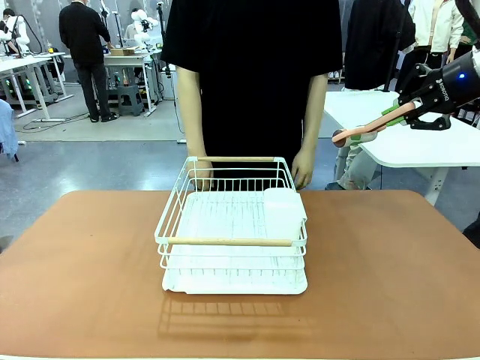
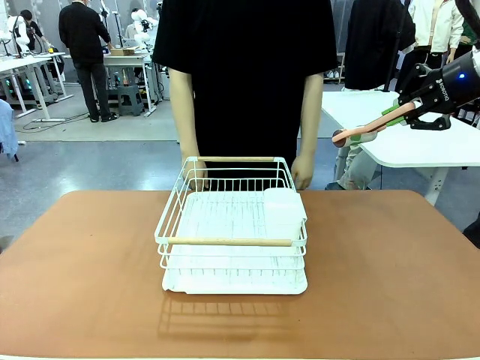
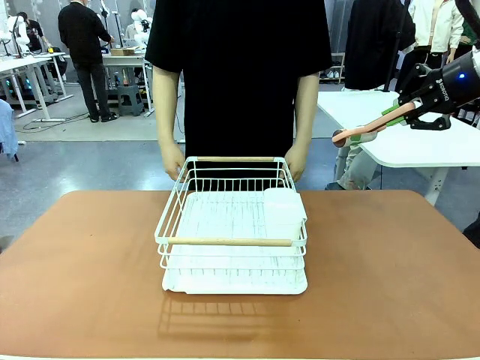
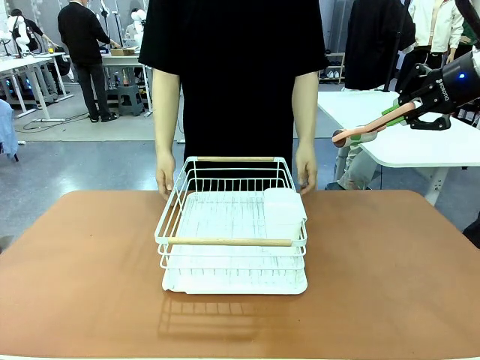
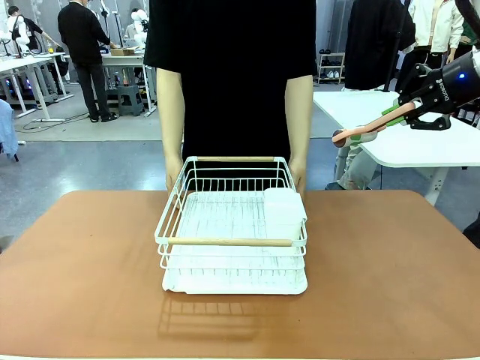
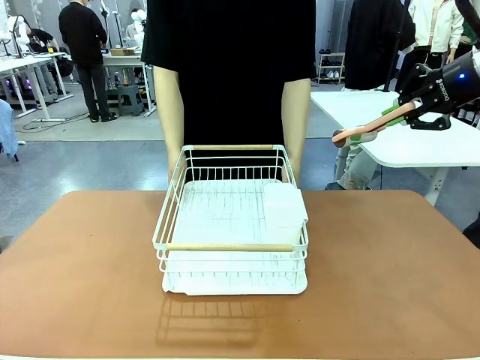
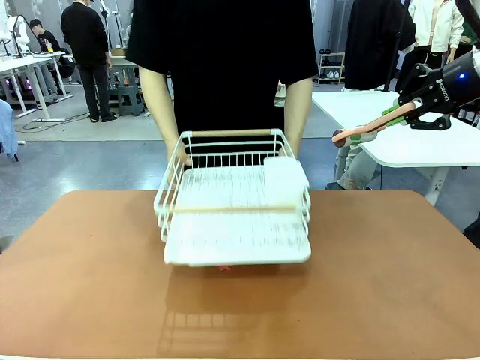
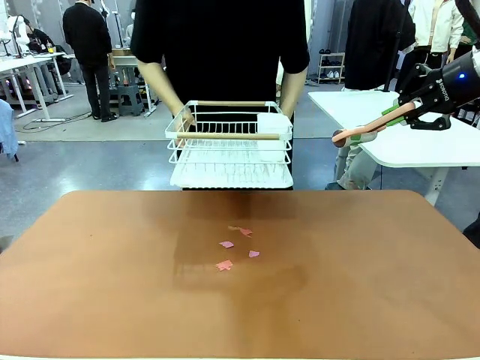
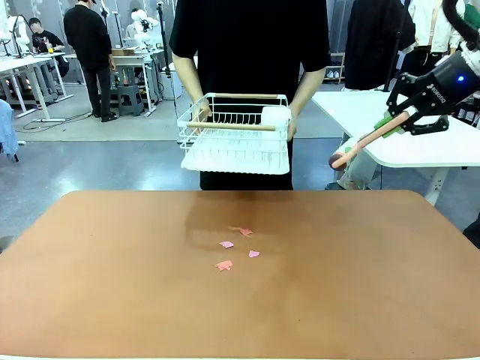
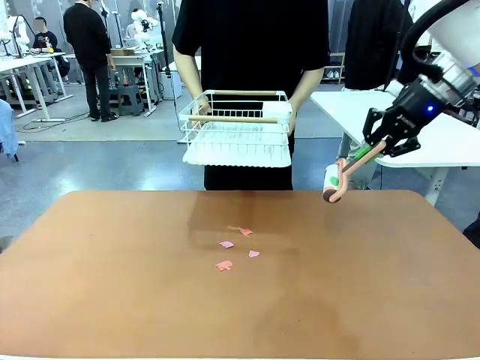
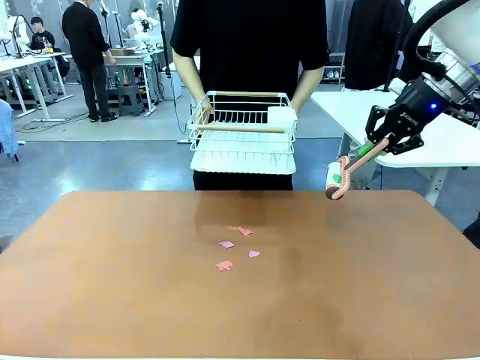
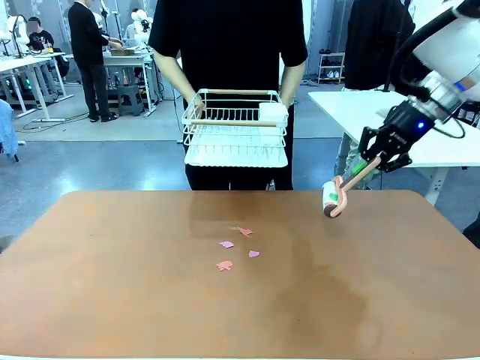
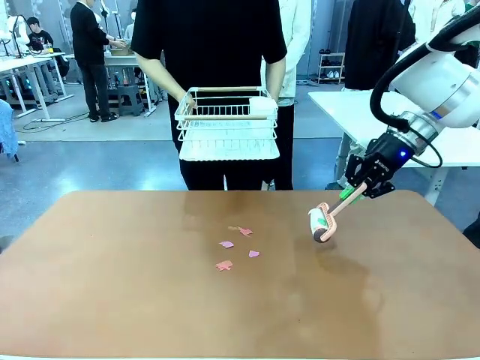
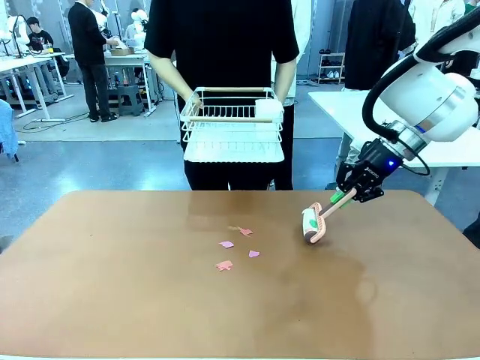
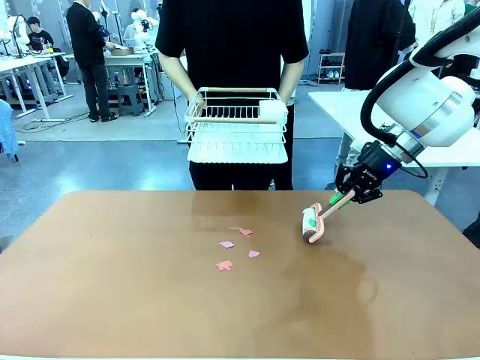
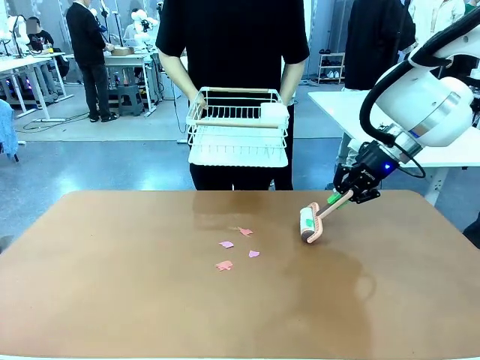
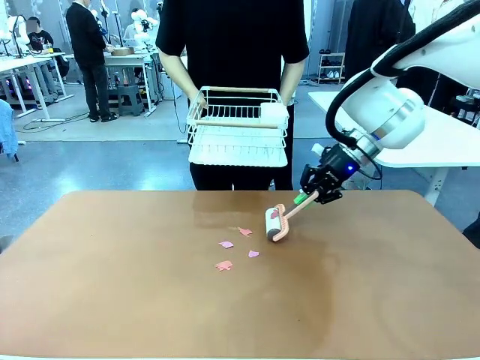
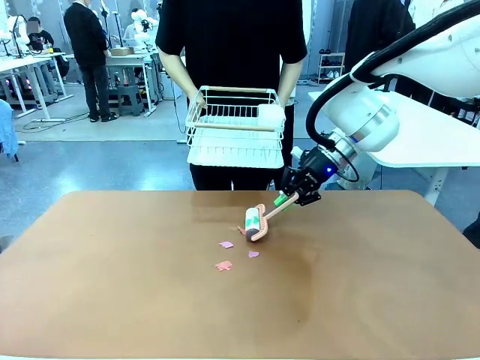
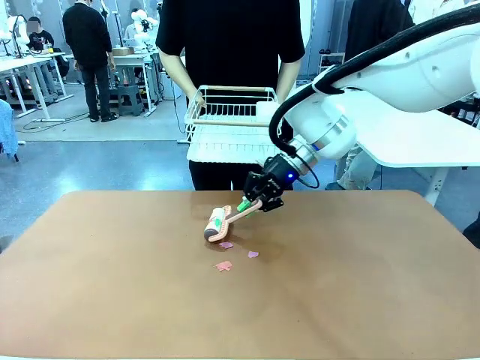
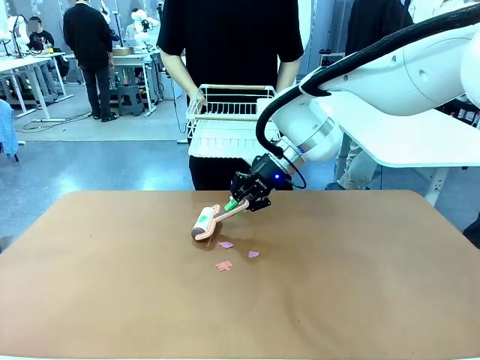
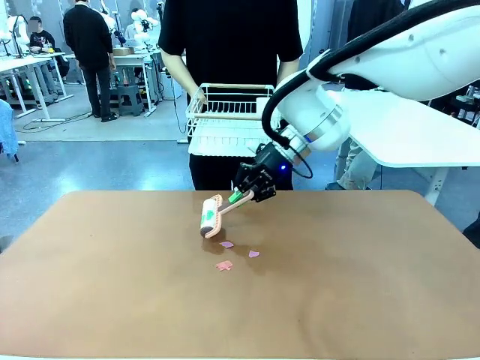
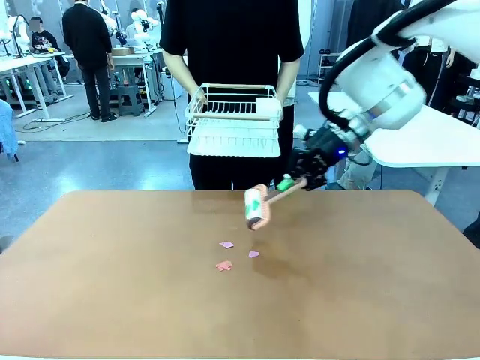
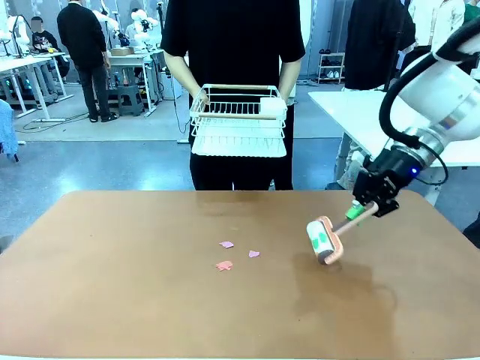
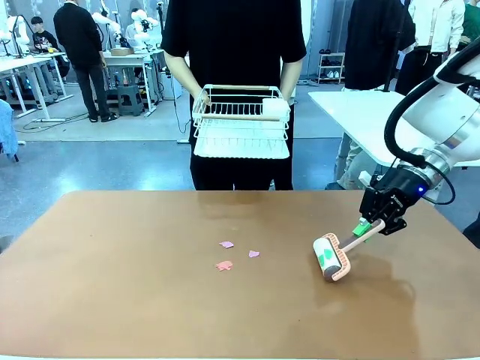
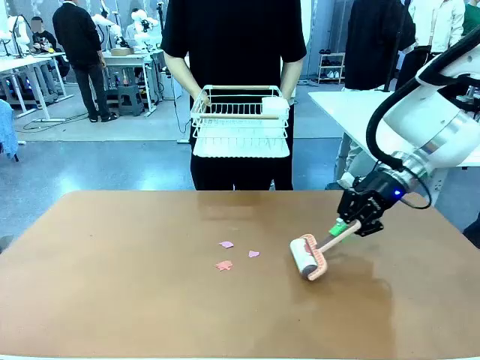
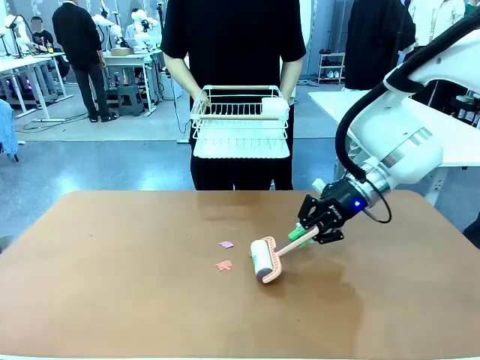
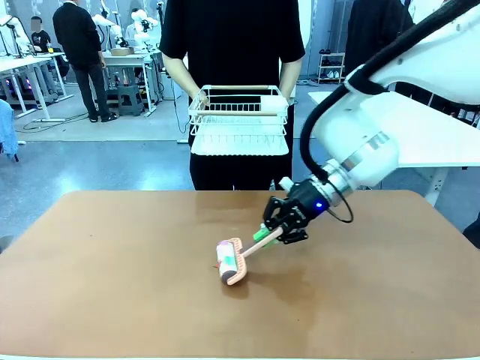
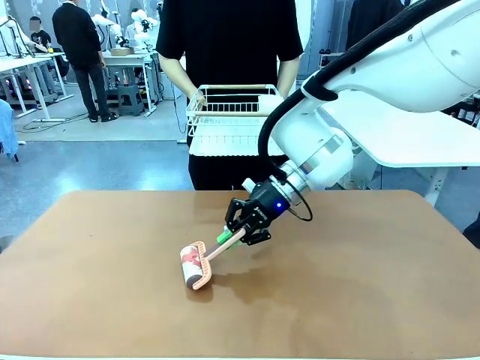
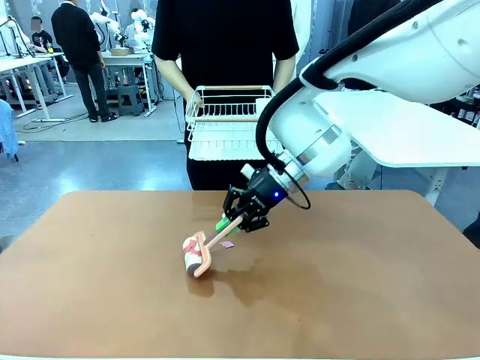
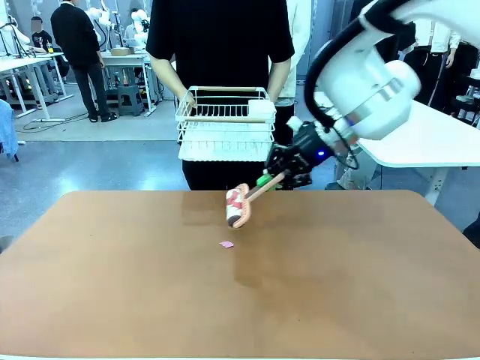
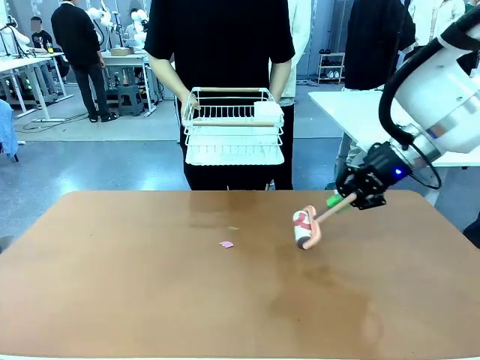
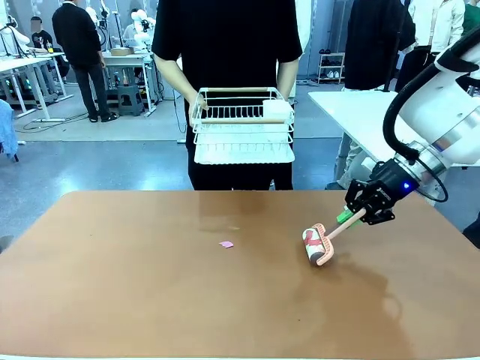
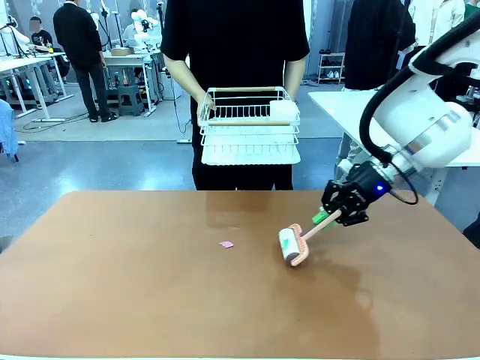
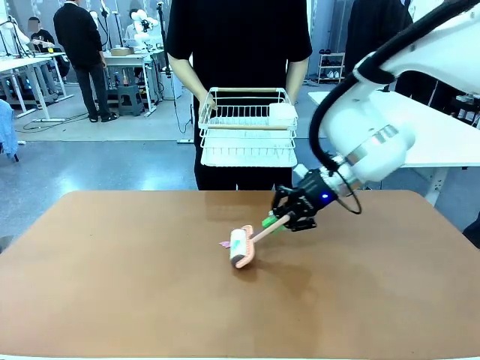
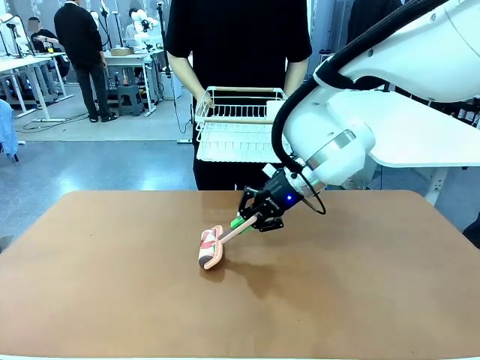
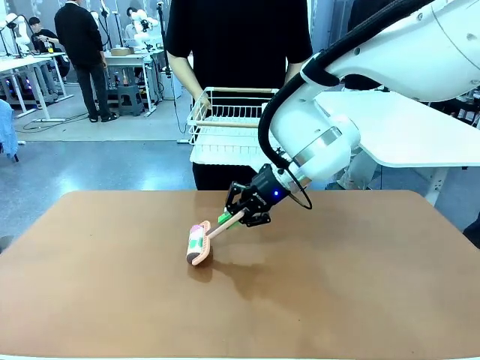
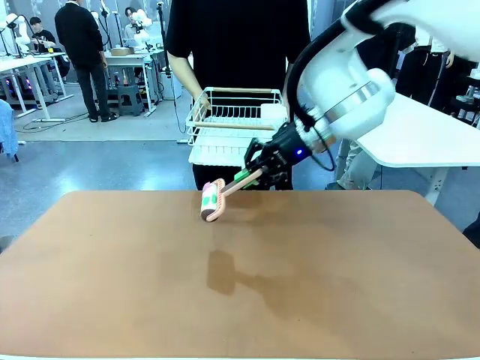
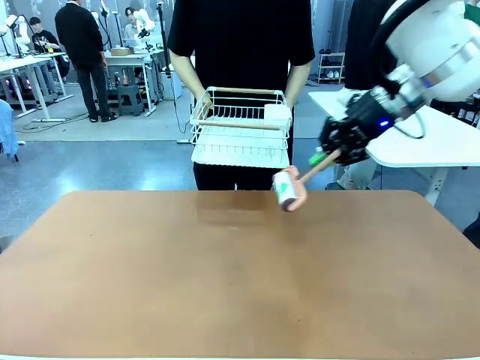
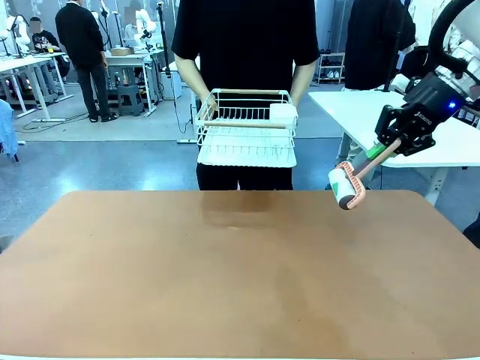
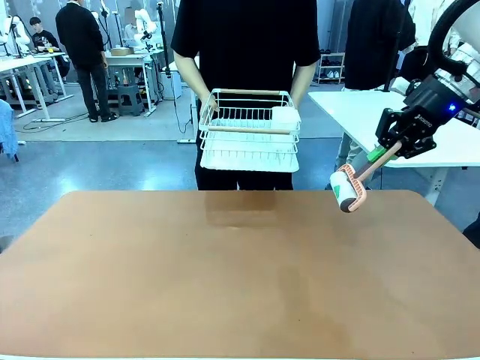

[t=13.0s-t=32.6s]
Task: Clean the table.
Robot: Clean the table with the Lint Roller when the human lifts the Dish drying rack.
Person: Place the Dish drying rack down when the robot finishes cleaning.

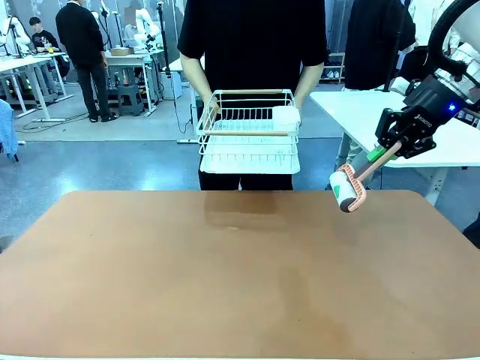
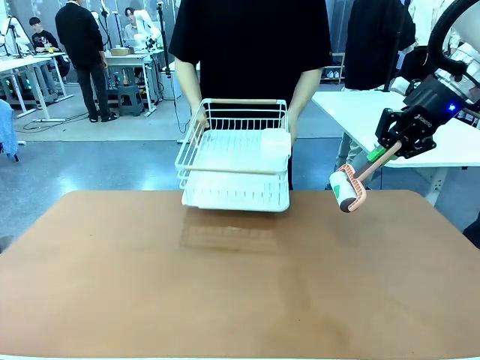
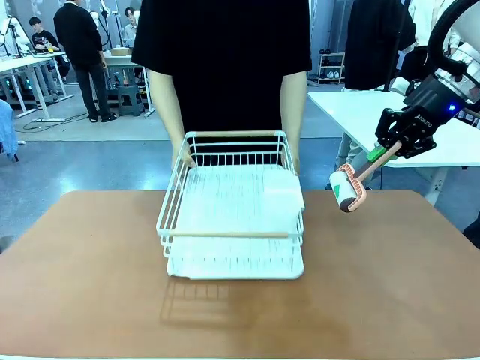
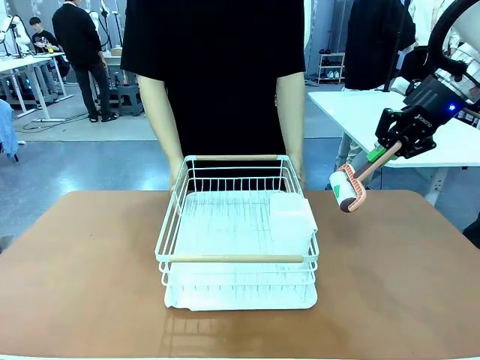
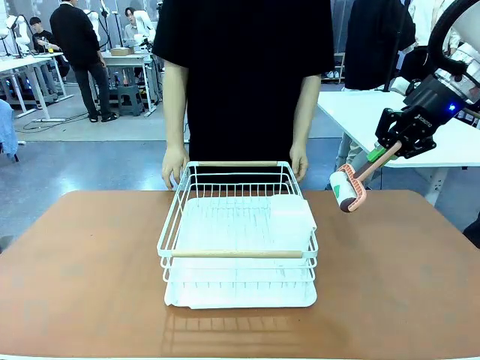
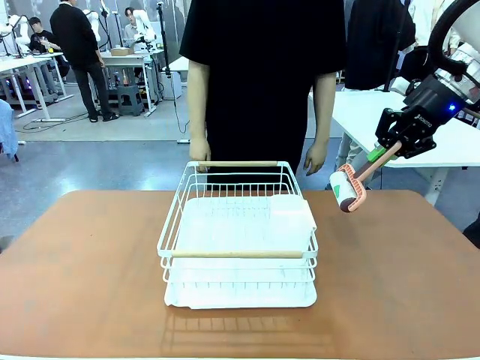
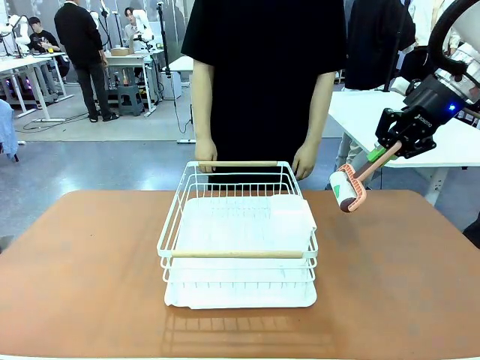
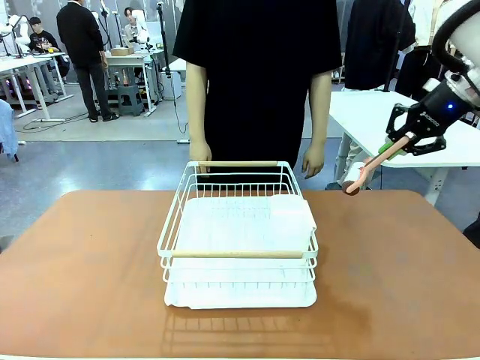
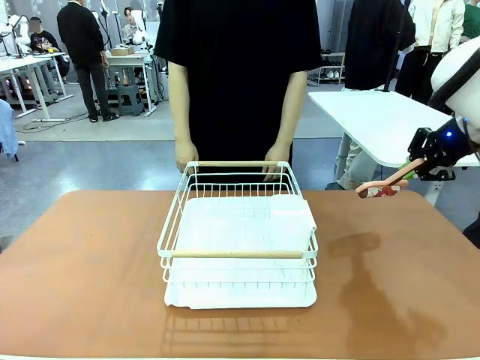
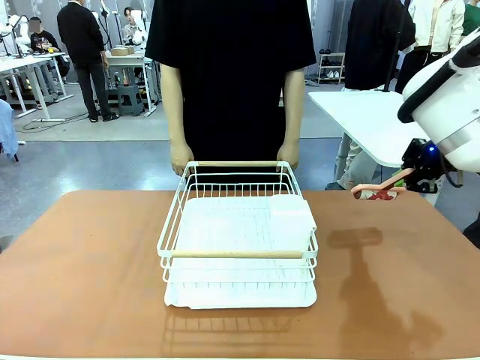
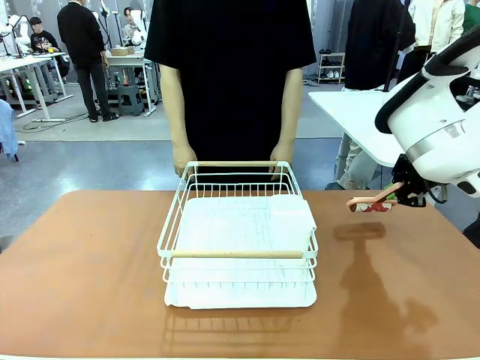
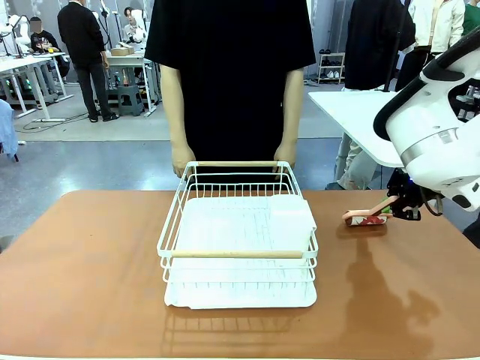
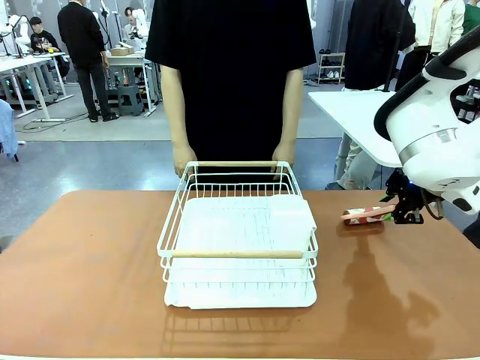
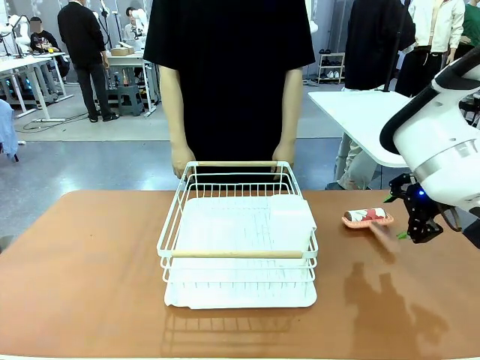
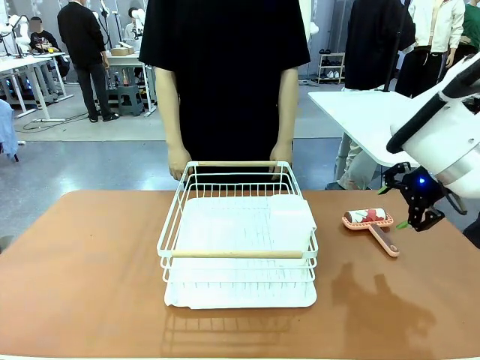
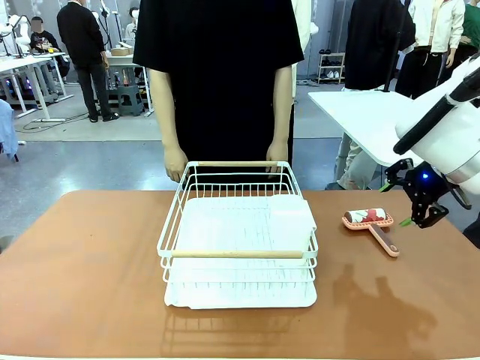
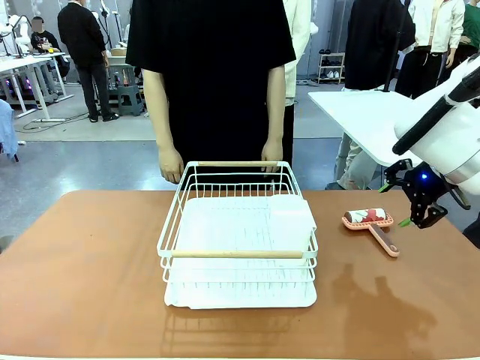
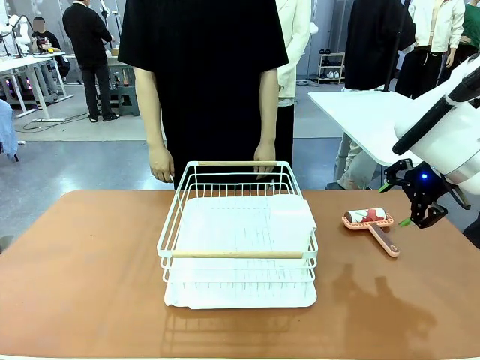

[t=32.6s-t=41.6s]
Robot: Place the Lint Roller down when the Dish drying rack is positioned in the middle of the table.
